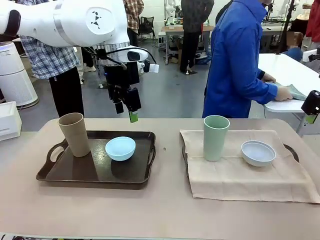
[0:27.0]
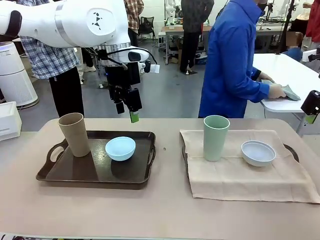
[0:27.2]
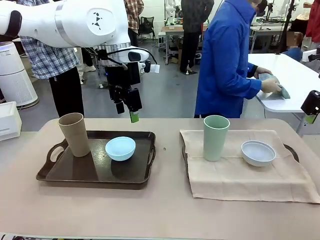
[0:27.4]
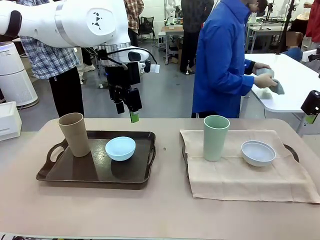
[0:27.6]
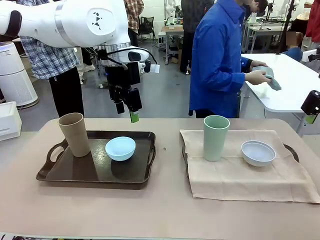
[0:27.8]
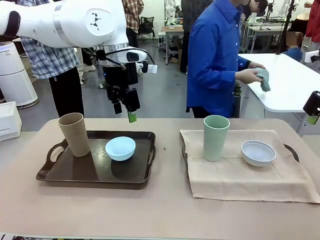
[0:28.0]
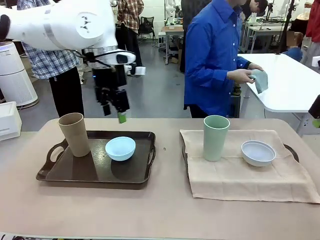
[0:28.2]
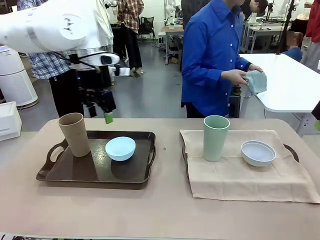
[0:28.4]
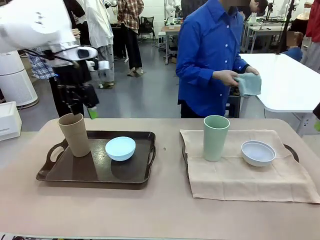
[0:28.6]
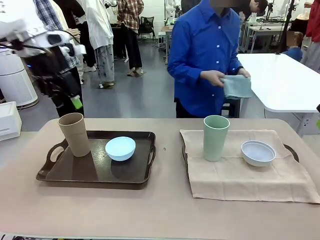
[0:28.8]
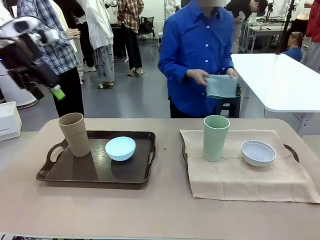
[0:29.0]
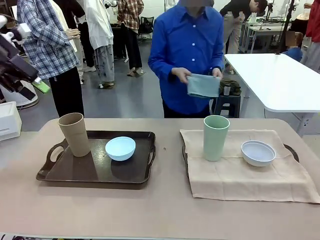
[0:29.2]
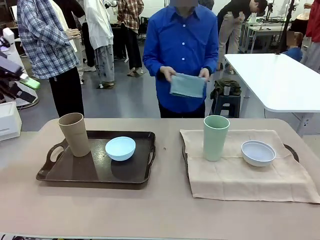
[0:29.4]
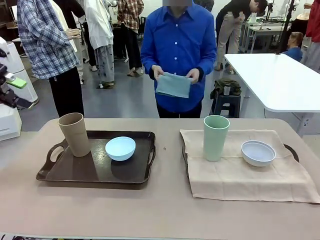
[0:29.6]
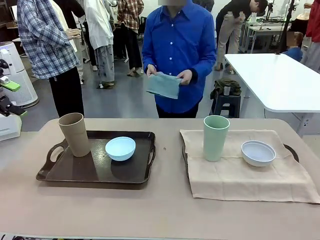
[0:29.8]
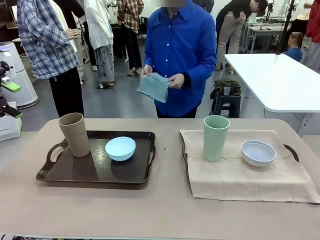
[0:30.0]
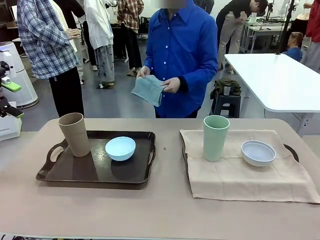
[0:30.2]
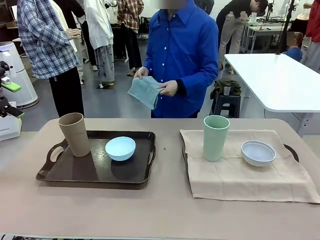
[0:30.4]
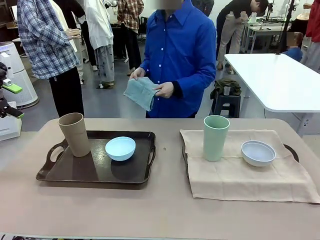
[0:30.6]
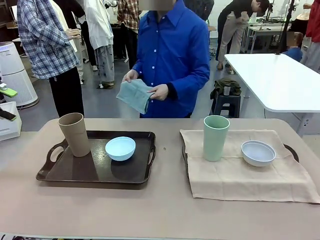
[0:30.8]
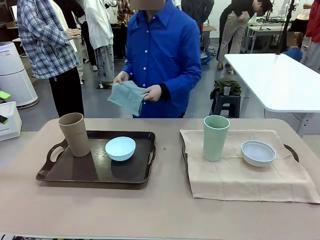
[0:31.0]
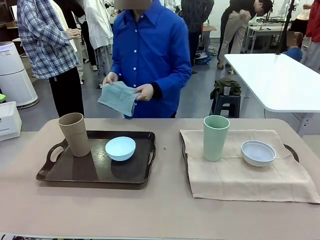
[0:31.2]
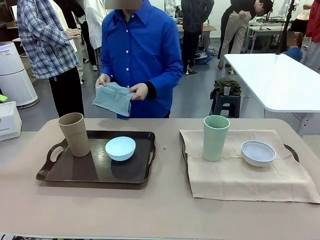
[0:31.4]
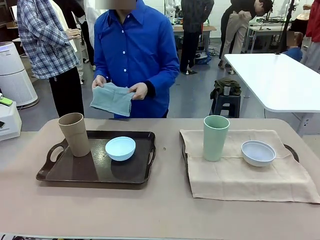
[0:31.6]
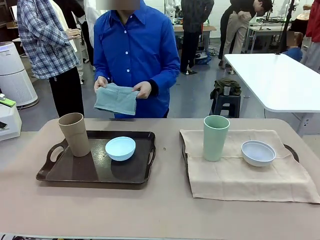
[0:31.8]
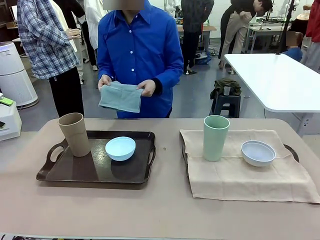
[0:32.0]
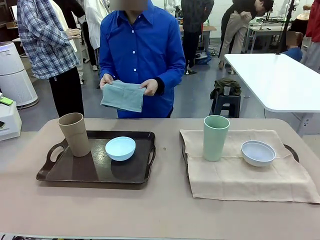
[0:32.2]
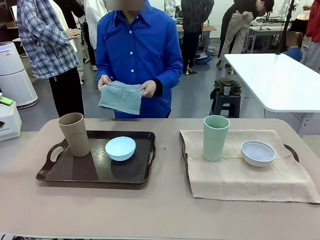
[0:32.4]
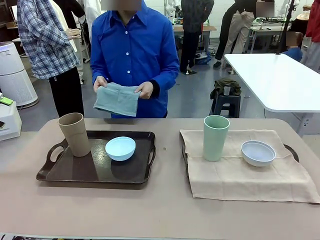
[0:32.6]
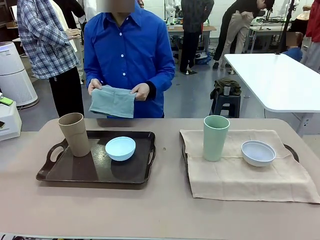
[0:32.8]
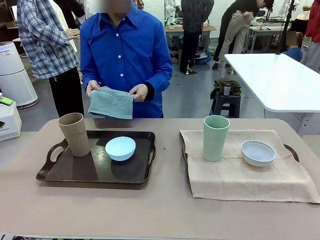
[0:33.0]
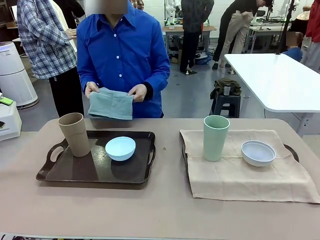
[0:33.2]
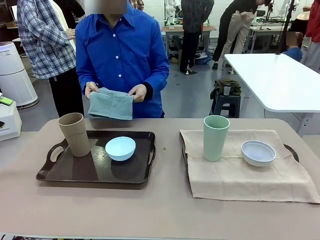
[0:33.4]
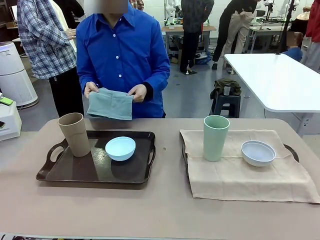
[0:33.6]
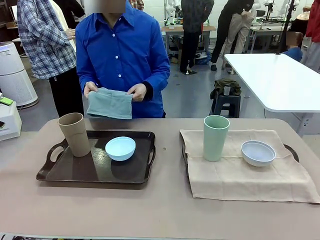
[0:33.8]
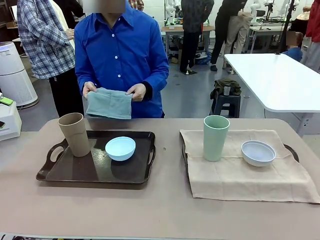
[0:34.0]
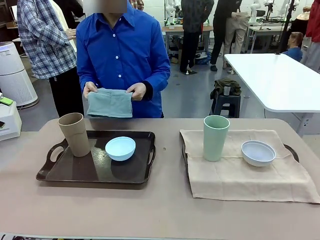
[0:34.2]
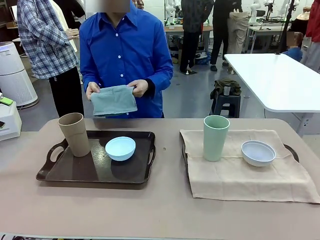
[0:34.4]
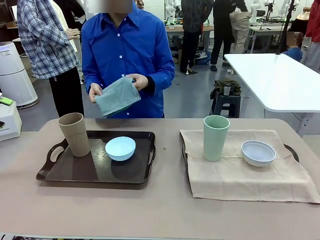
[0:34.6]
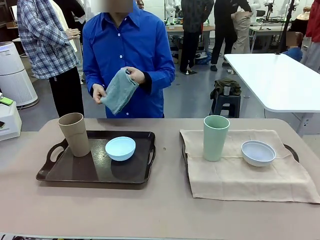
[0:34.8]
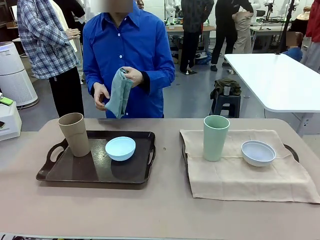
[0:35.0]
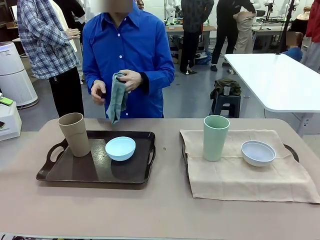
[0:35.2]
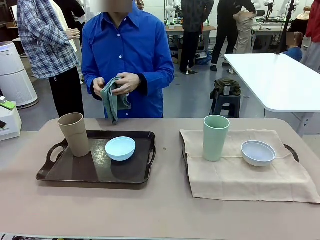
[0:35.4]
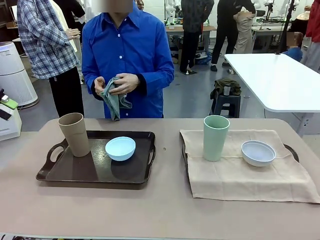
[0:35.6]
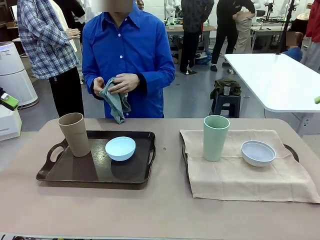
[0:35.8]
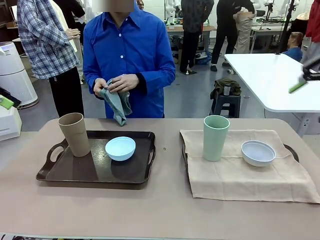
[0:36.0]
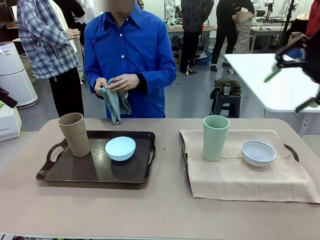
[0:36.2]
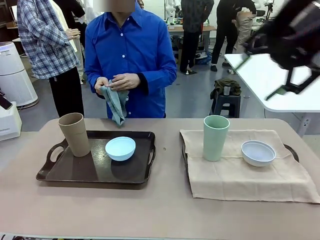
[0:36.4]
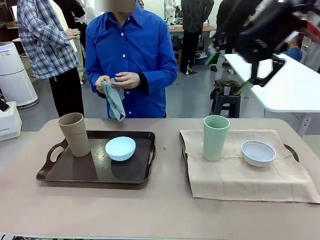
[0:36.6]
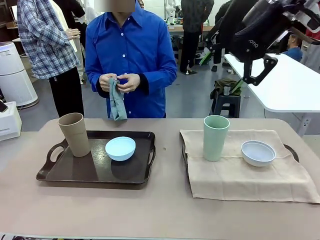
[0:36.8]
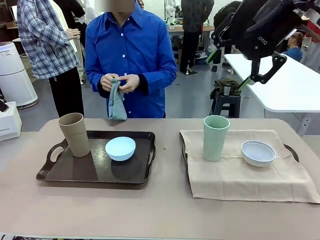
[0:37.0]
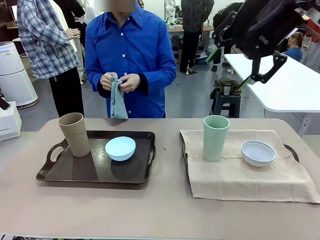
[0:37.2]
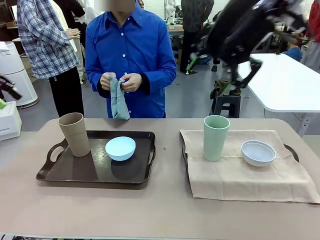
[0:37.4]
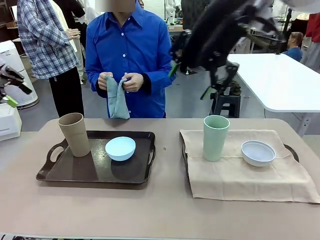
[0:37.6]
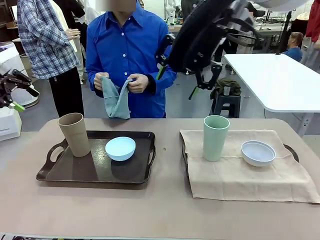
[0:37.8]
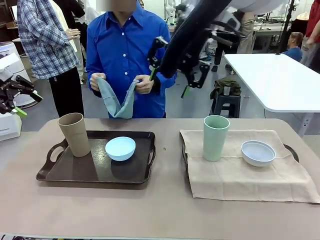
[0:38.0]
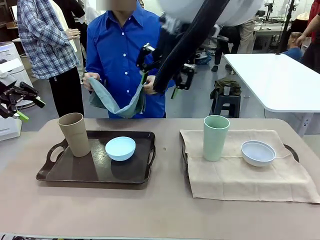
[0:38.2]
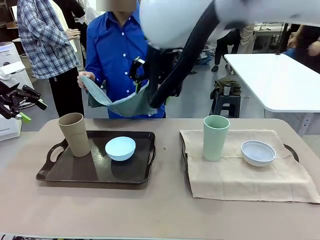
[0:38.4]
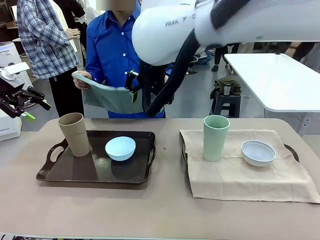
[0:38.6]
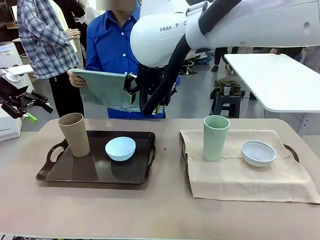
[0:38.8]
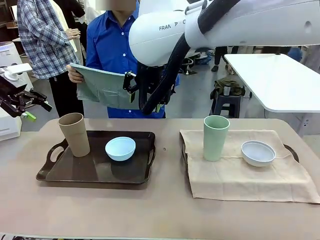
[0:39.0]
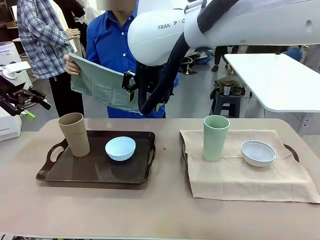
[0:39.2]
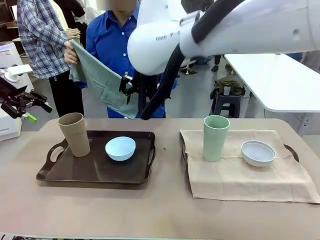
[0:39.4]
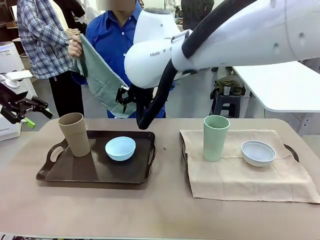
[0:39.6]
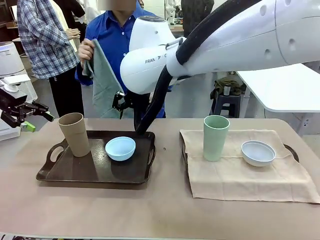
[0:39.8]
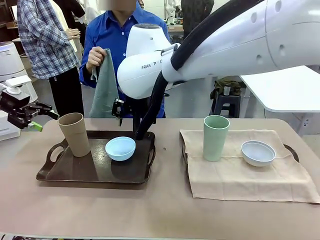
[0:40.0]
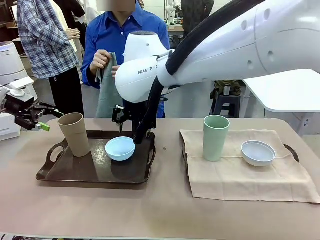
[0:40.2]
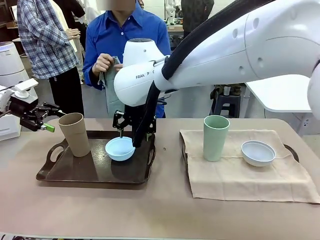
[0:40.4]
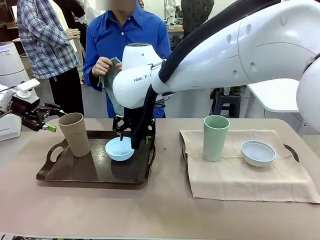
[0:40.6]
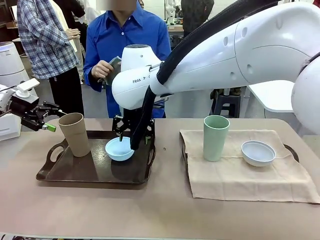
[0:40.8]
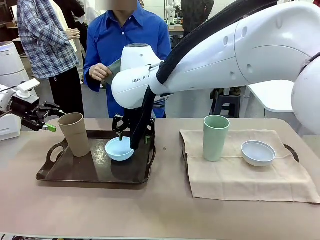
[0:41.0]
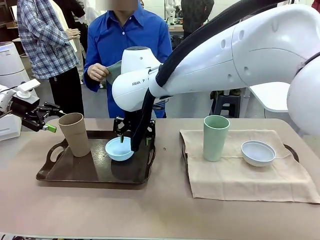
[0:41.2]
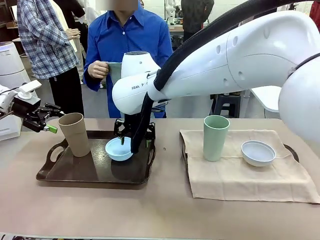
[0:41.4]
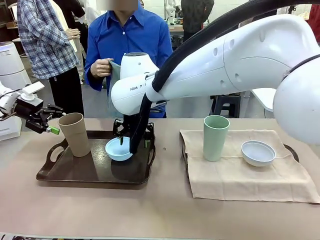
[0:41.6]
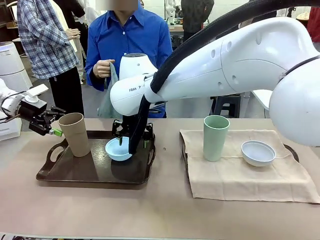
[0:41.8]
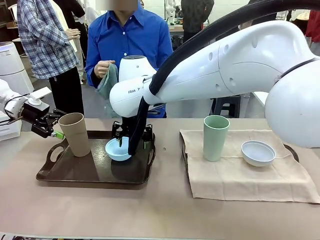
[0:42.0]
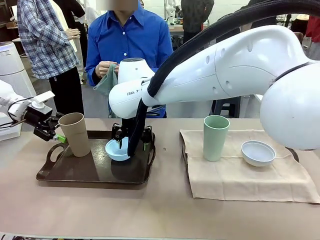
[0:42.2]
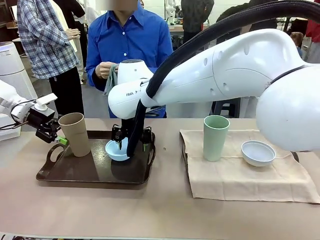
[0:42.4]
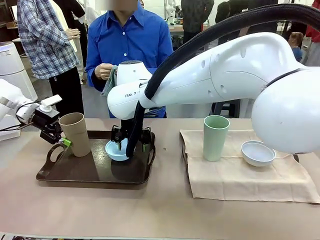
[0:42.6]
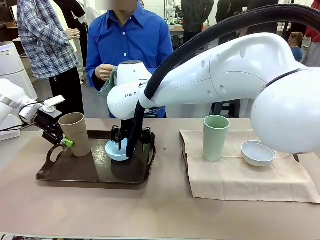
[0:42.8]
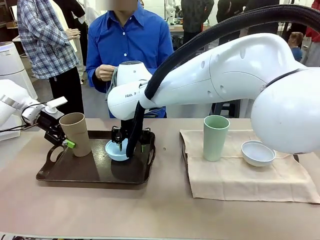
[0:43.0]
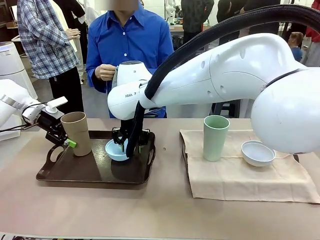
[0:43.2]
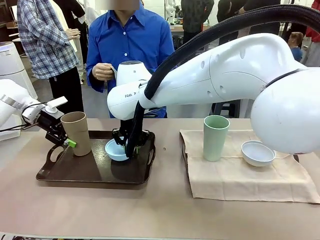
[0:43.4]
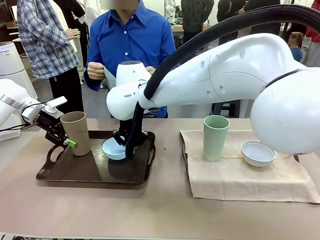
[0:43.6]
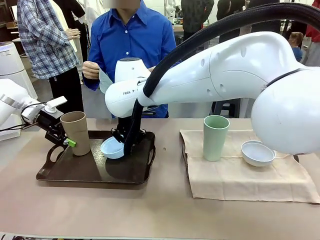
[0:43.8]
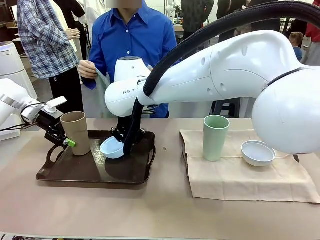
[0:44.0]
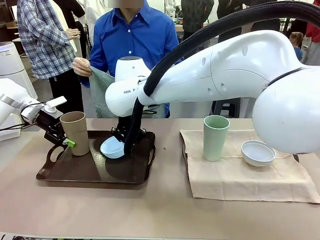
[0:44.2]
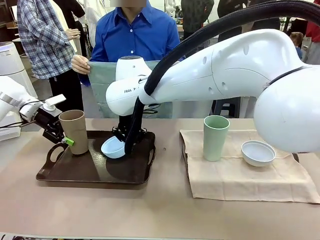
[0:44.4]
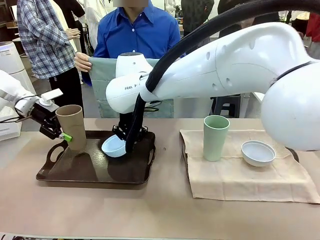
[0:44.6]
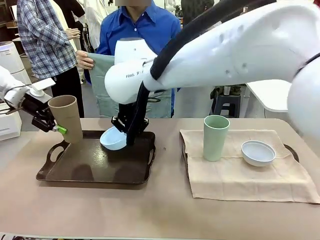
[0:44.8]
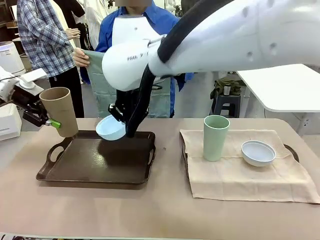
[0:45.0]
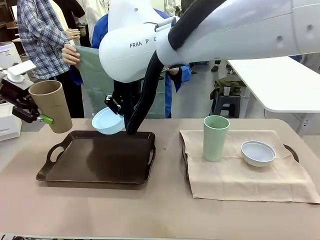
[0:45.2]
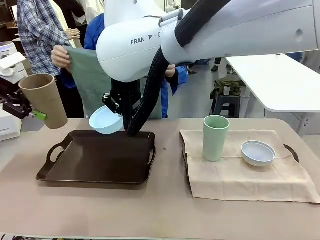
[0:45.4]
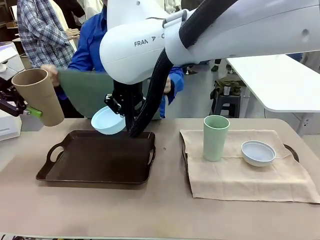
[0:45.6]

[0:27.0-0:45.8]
Robot: Pick up the Picnic Bowl and Reusable plastic cup from the Handle tray in front of the human's position and hold them in the air.
Person: The human returns to the human table to pick up another napkin and walks to the robot table to stand in front of the tray without a napkin.
